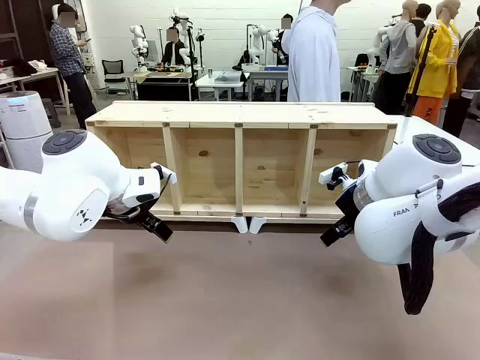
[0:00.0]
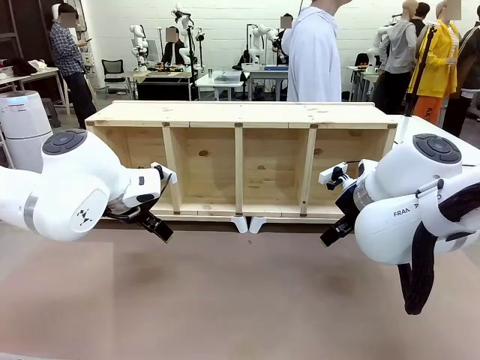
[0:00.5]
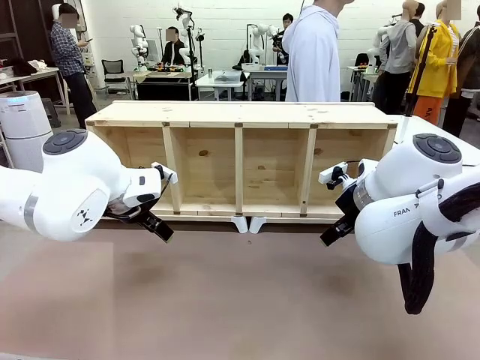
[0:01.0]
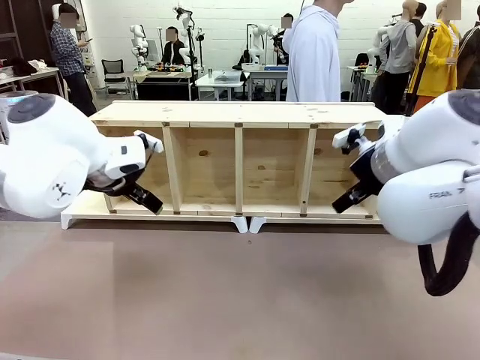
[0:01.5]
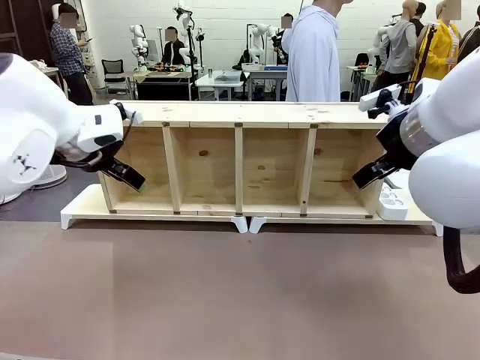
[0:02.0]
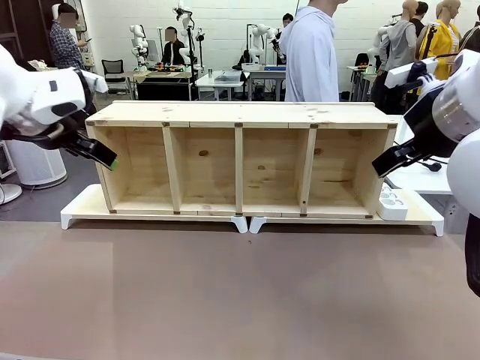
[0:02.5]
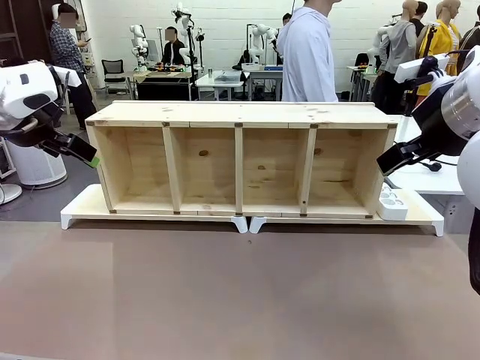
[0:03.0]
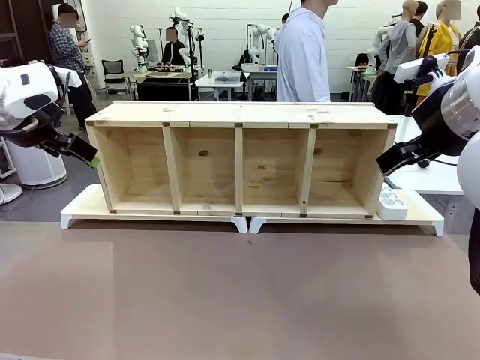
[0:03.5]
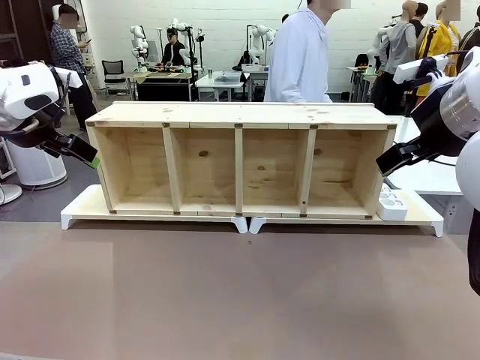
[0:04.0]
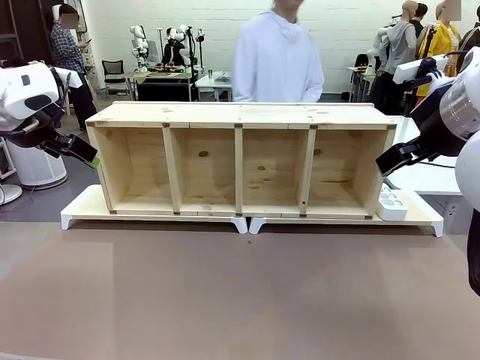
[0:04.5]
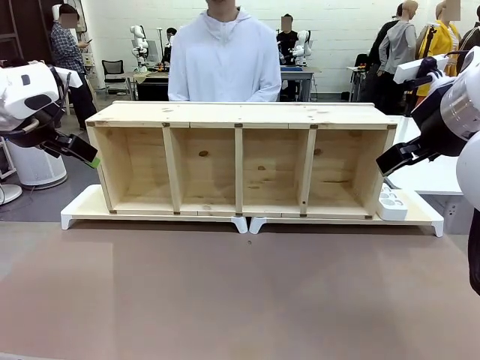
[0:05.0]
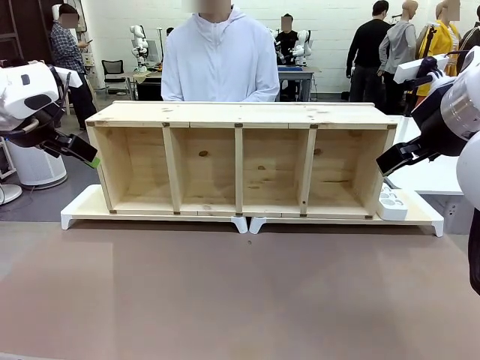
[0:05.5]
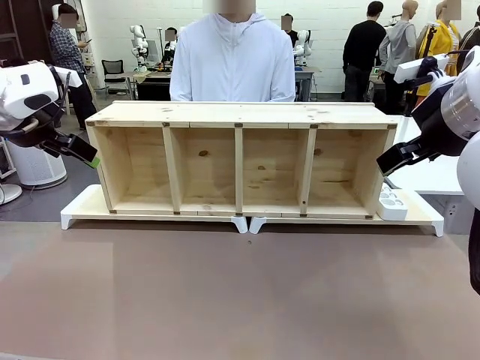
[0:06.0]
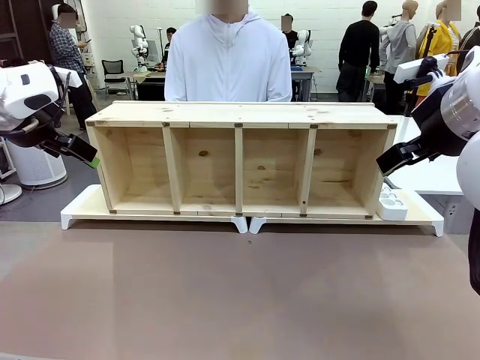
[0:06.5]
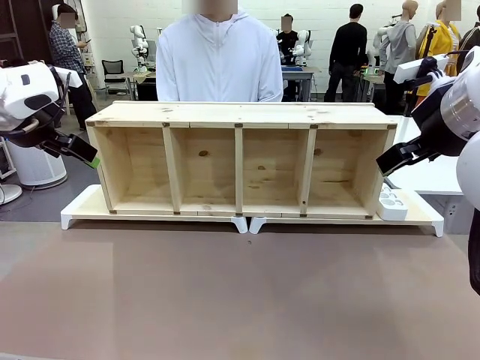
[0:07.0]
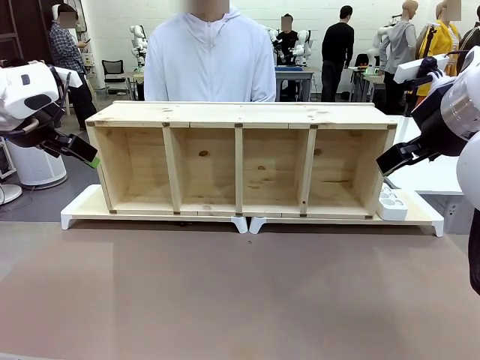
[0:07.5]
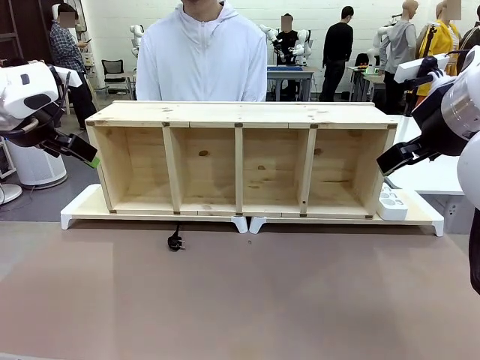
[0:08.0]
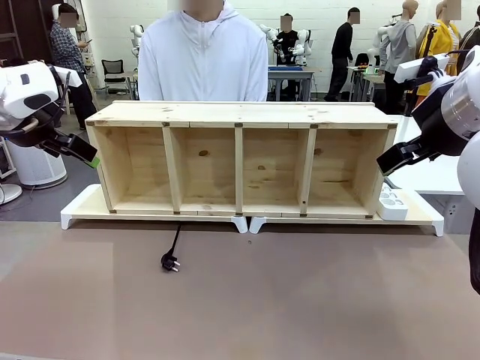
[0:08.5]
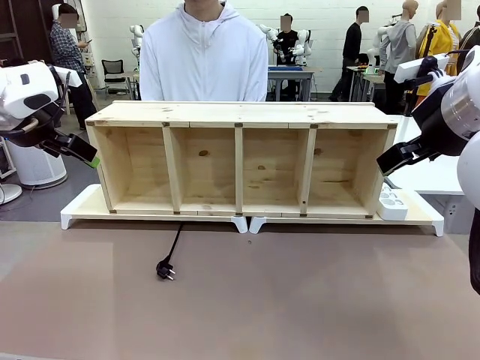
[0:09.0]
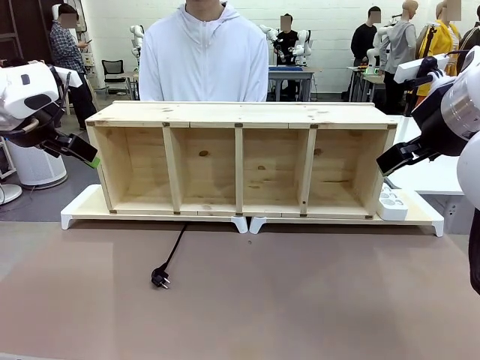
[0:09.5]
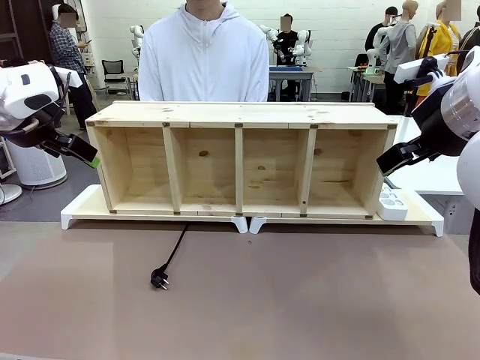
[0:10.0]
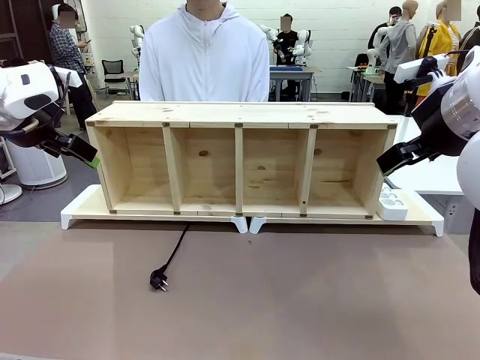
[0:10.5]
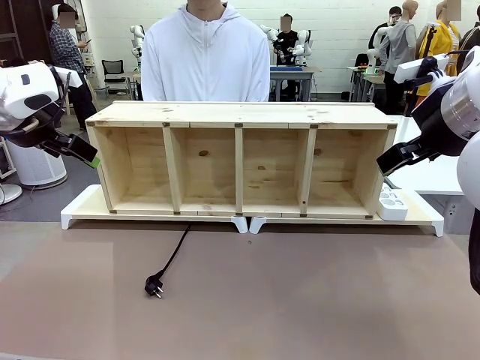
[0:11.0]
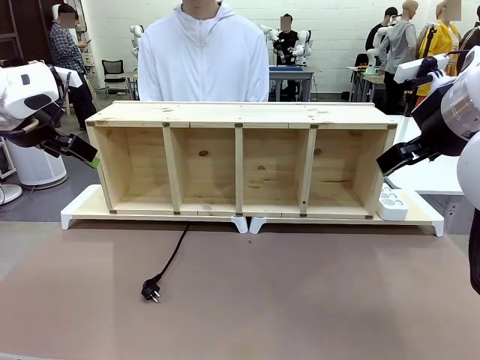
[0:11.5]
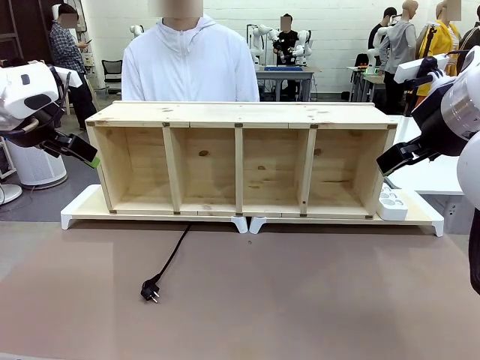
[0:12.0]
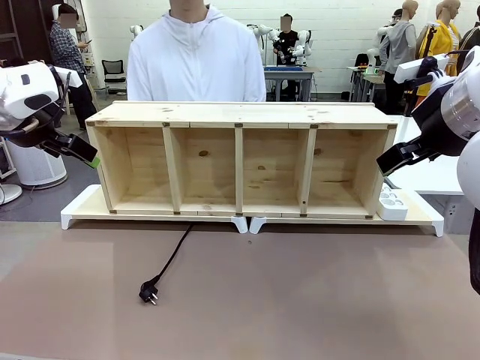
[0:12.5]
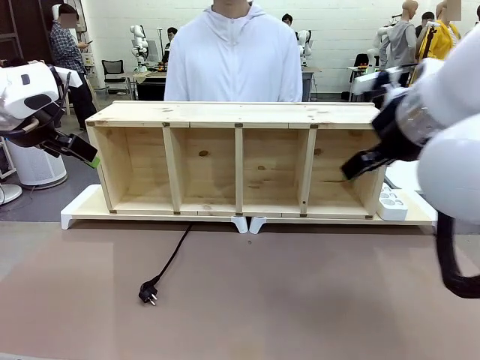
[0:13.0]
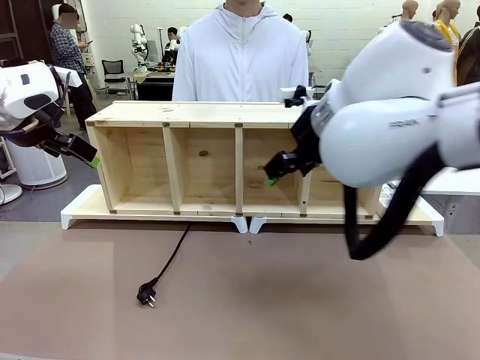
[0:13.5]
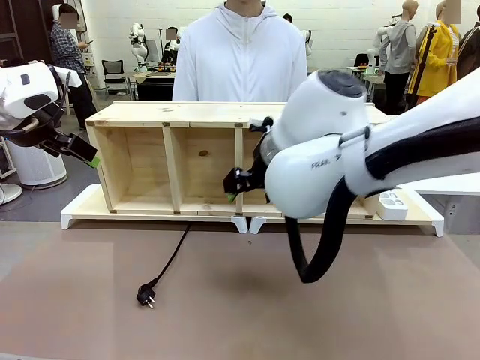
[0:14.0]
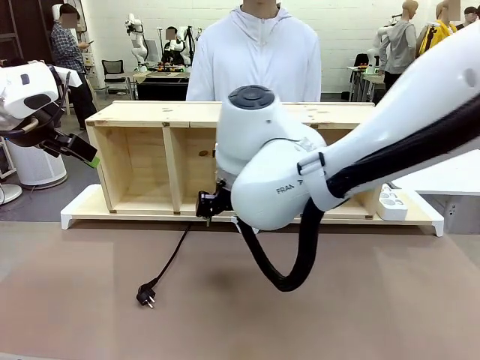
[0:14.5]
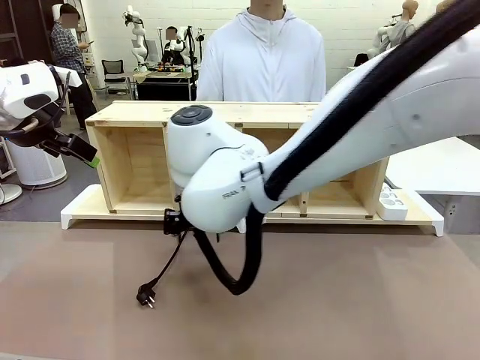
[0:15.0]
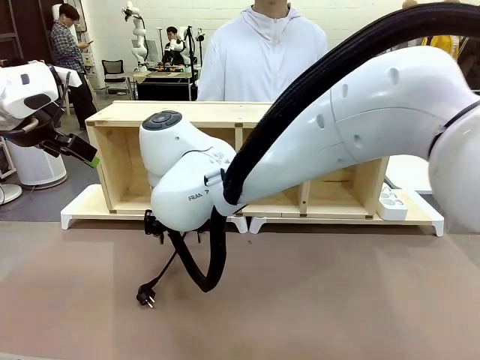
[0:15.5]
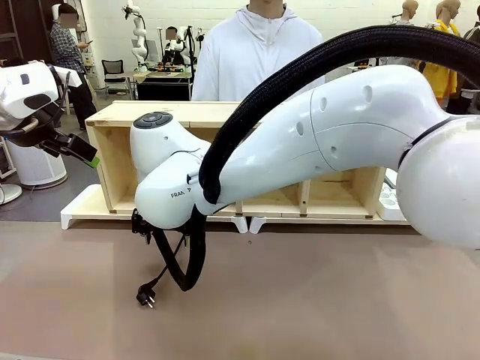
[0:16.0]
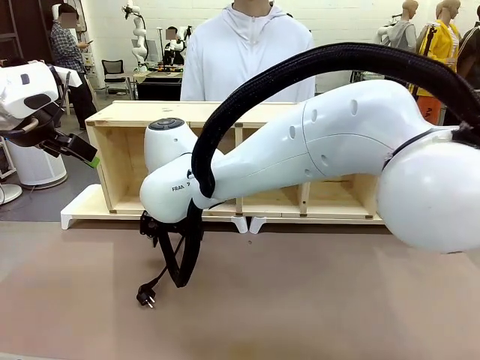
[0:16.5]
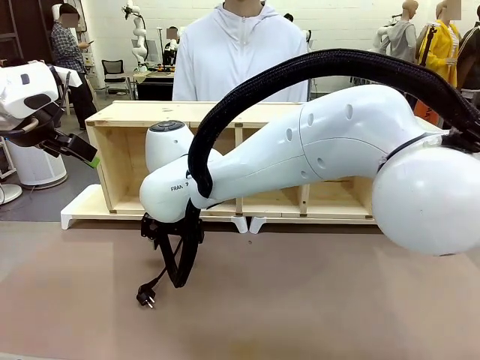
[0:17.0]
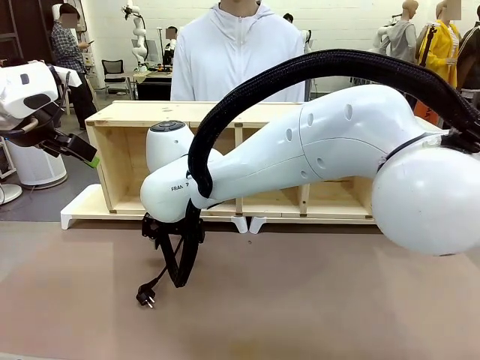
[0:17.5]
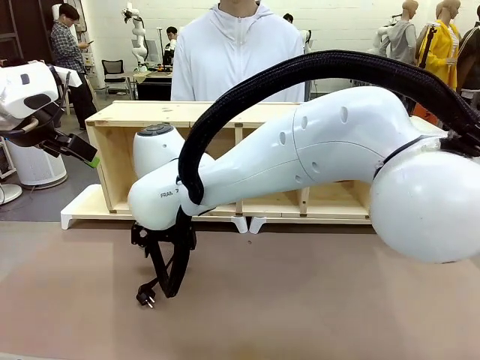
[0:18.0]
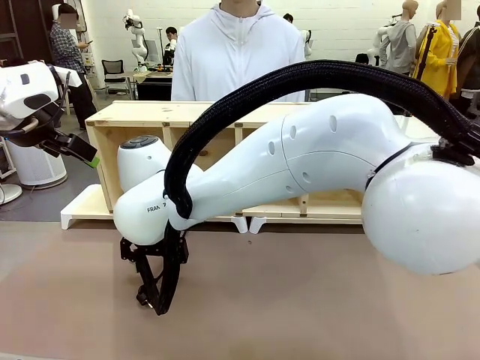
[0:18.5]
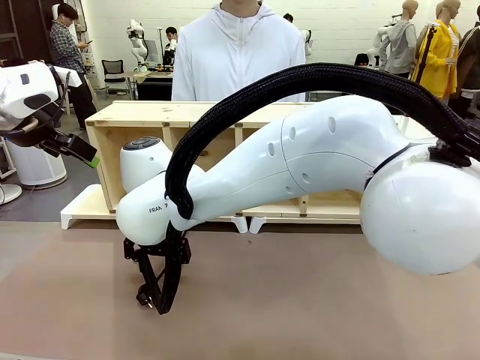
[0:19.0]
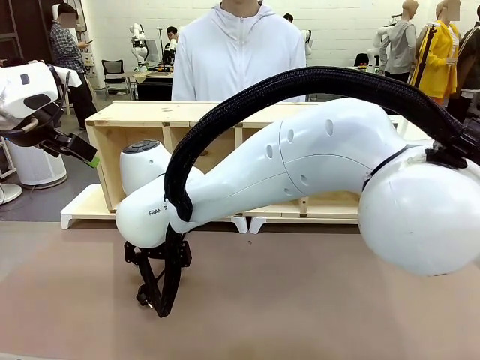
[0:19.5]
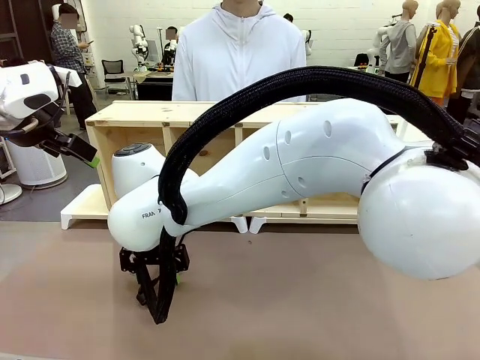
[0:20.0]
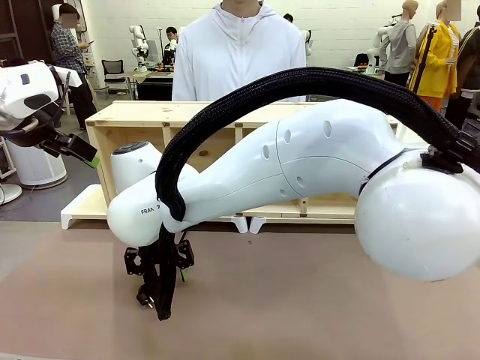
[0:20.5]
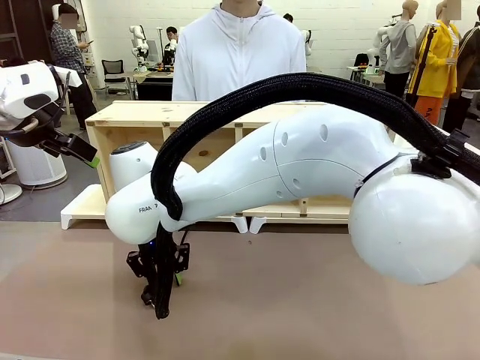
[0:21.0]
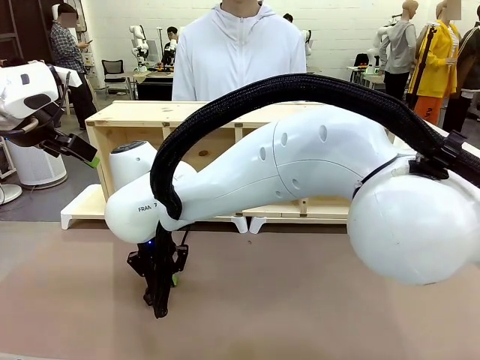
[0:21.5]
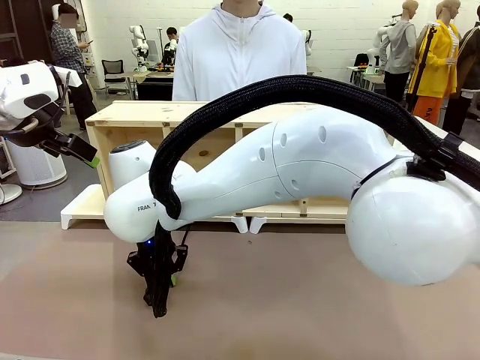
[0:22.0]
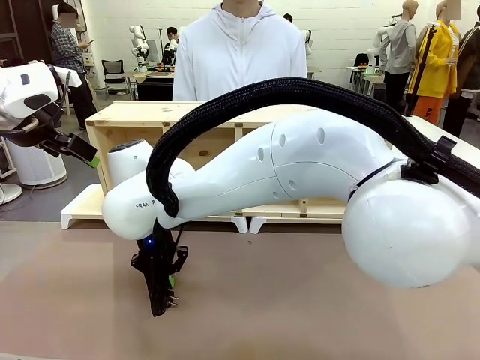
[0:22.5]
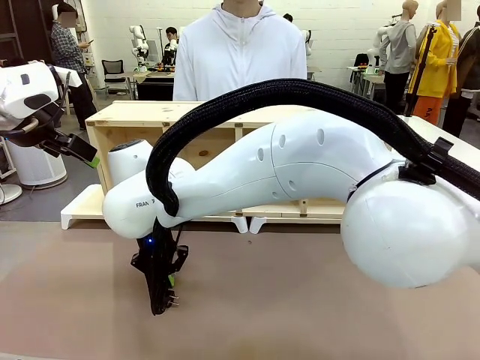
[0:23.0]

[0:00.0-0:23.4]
Task: Perform cable management.
Robot: When the cord part of the Power Cable appears at the lower middle area of the table and stops, grasp the cord part of the Power Cable.
Person: Pass the Power Cable under the Serving Table.
